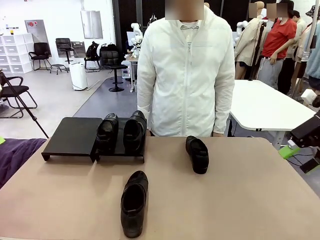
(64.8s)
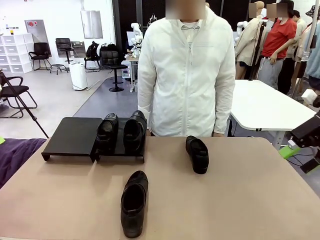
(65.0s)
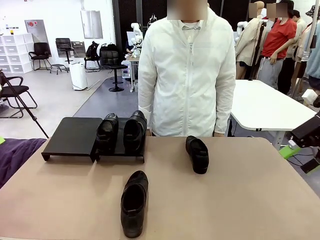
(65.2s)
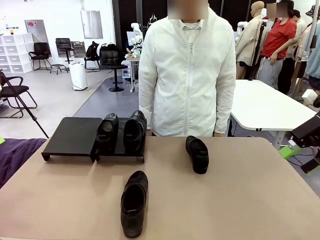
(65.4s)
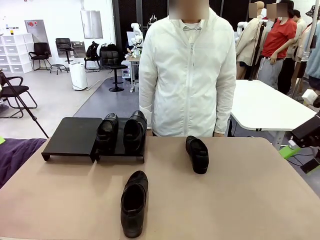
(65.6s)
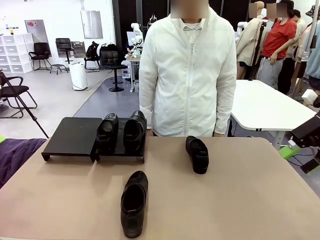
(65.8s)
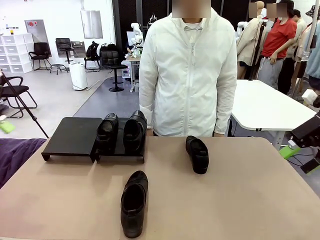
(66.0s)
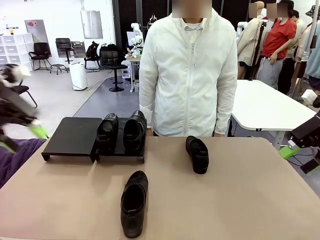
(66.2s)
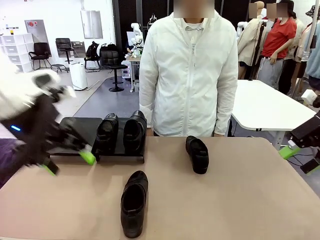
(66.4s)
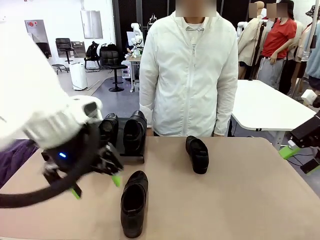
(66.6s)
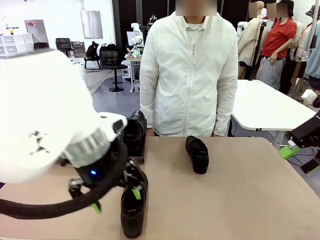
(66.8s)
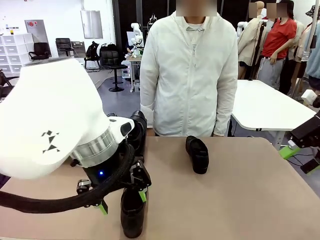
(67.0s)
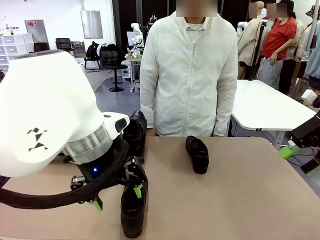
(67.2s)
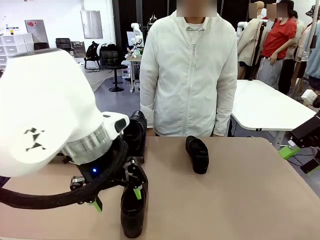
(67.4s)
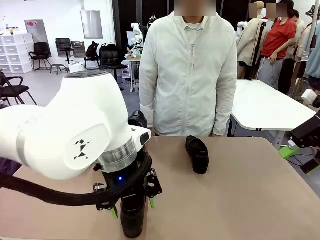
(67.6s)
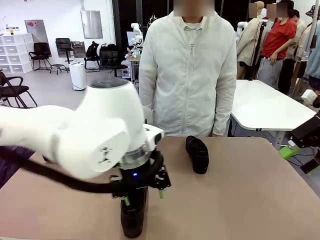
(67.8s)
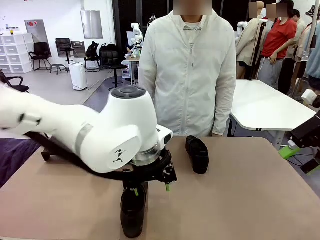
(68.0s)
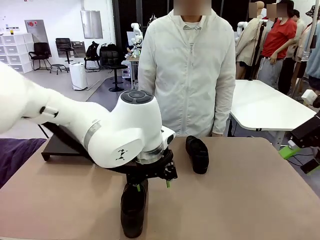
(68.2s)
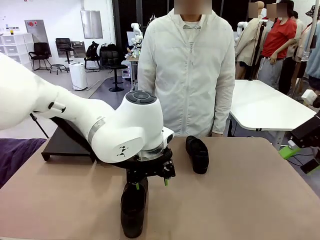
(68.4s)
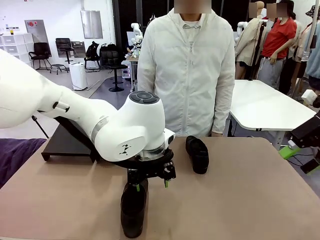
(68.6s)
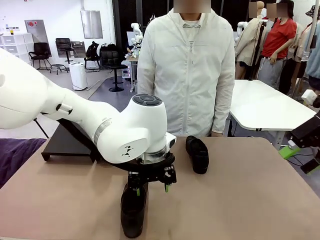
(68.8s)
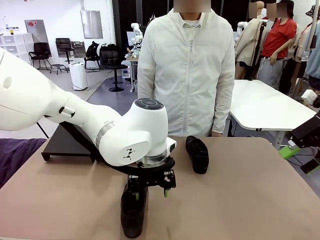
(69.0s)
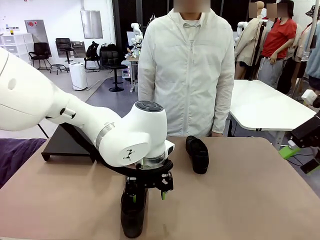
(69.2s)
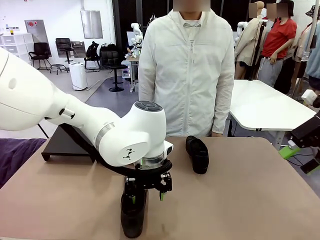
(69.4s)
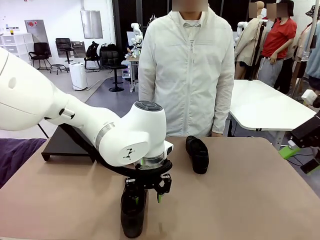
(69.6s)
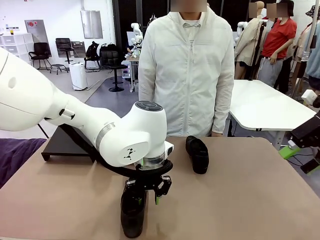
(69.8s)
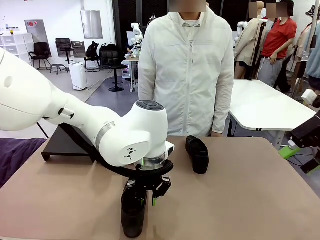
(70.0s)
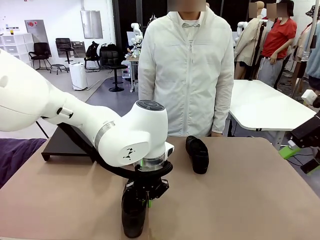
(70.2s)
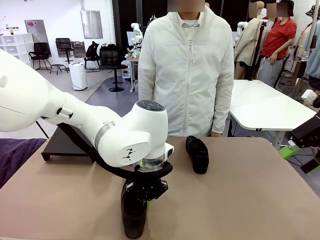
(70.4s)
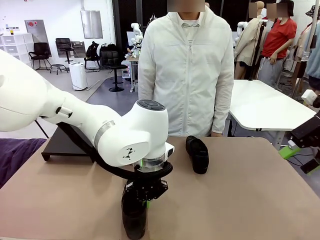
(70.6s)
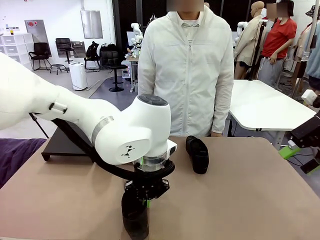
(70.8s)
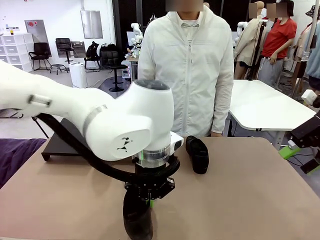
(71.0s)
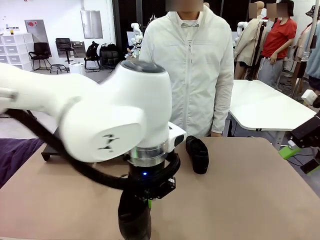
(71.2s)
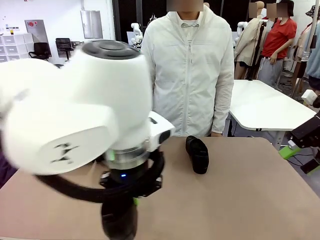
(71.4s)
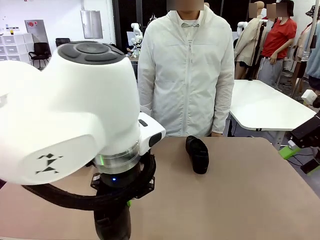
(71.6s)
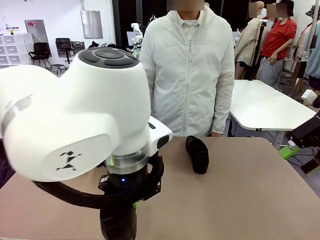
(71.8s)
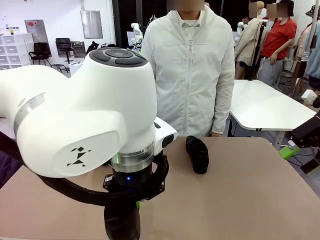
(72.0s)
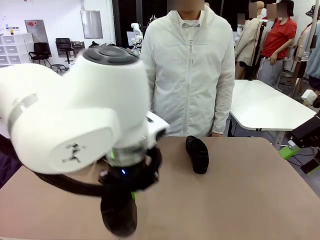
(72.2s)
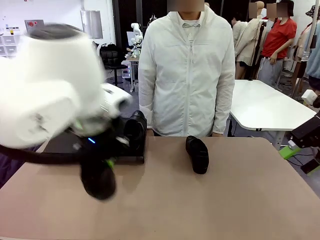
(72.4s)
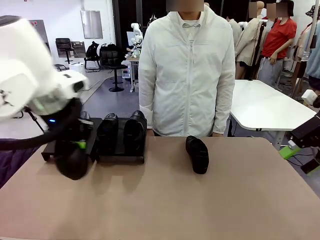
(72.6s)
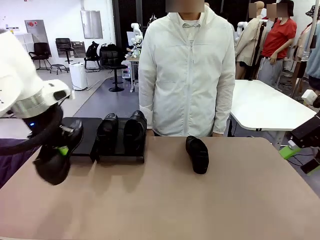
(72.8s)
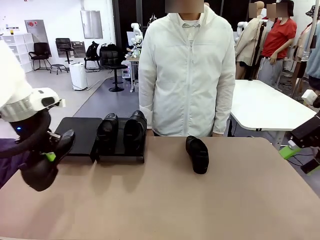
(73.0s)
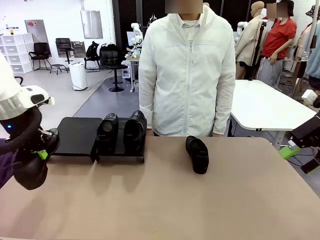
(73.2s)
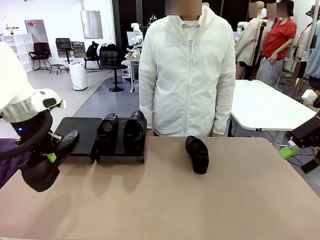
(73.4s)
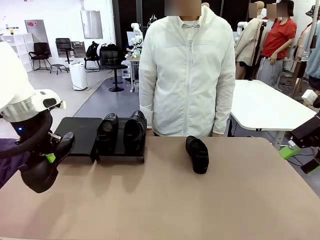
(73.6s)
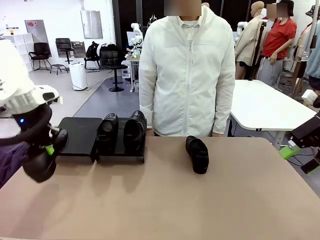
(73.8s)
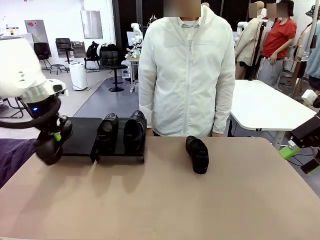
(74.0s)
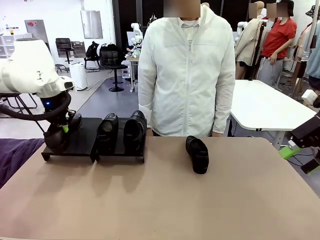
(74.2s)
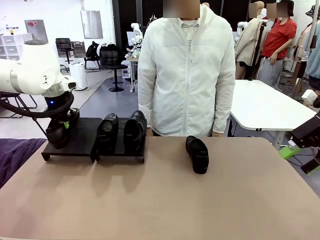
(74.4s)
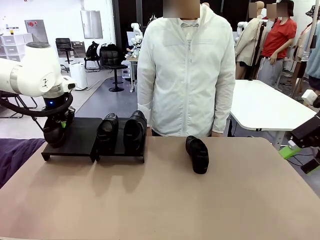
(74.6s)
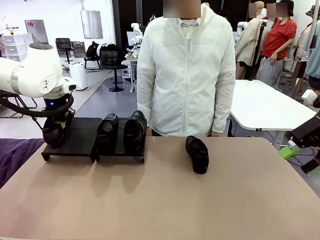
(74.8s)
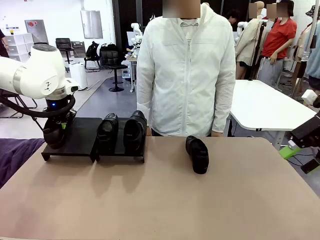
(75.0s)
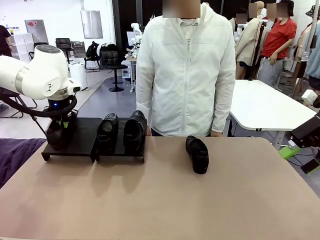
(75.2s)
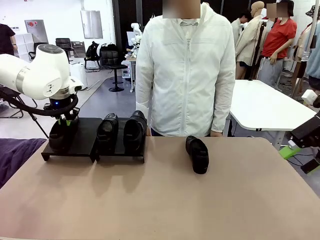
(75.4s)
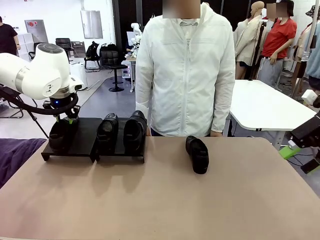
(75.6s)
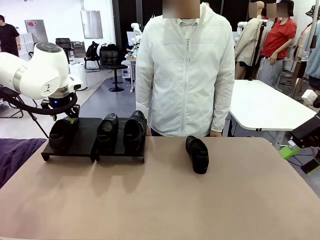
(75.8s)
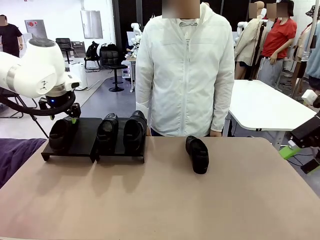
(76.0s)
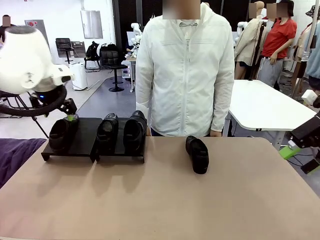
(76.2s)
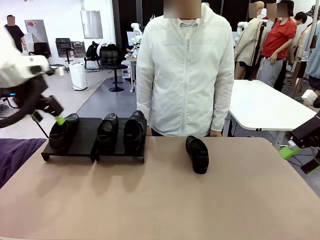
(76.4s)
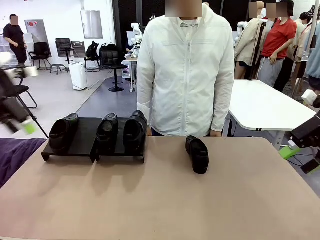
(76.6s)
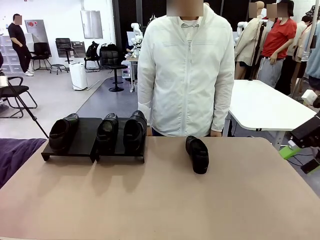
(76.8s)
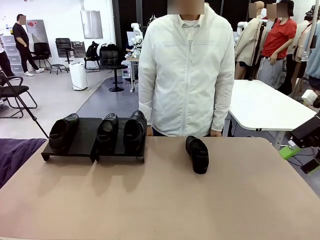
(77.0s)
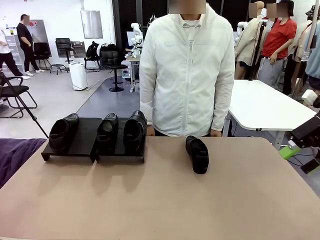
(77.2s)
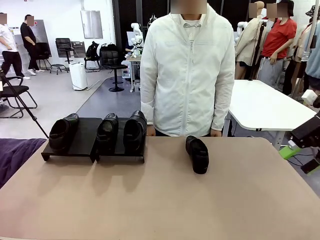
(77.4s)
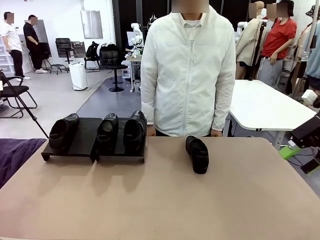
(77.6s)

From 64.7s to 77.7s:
Task: Organize the shoes by placing them on the stand.
Robot: Place the Shoe from the middle of the table onto the Shoes Stand.

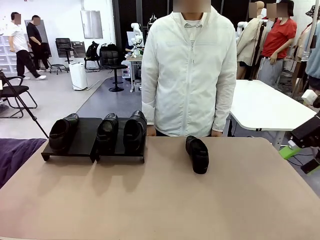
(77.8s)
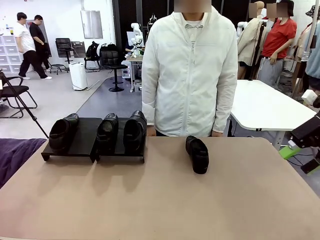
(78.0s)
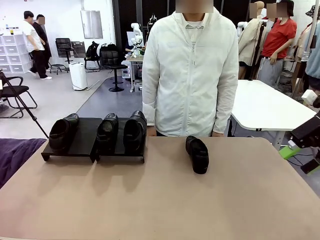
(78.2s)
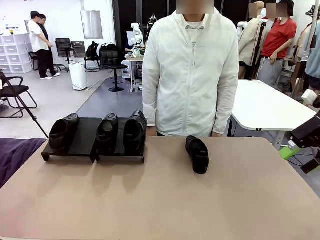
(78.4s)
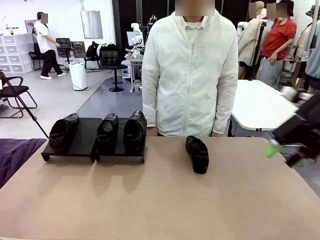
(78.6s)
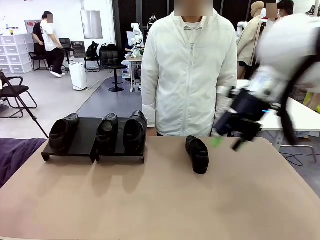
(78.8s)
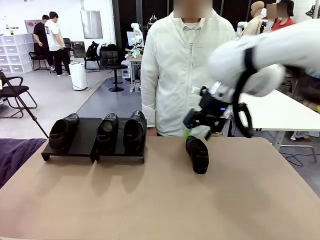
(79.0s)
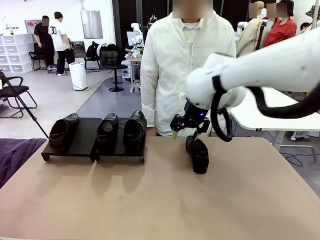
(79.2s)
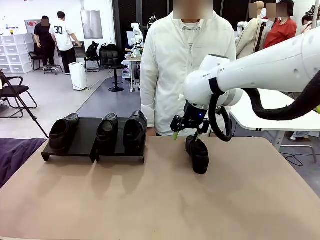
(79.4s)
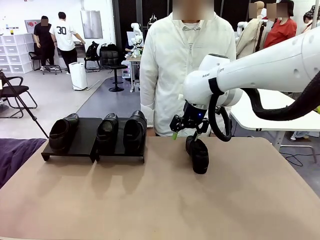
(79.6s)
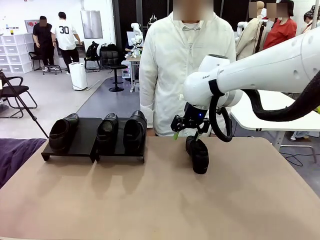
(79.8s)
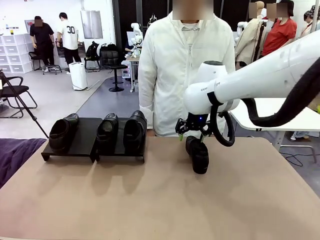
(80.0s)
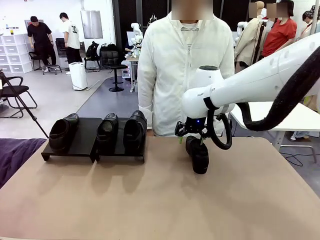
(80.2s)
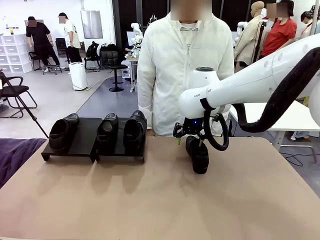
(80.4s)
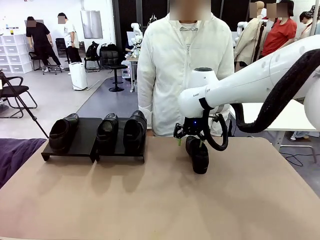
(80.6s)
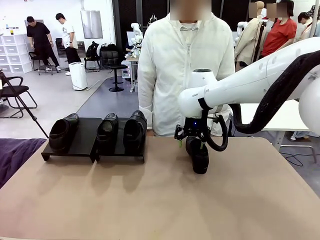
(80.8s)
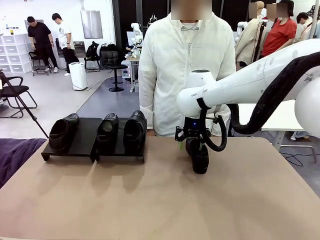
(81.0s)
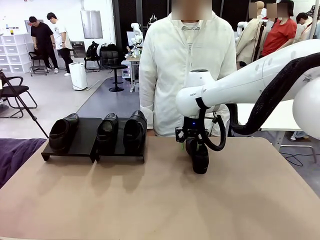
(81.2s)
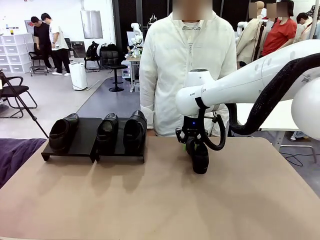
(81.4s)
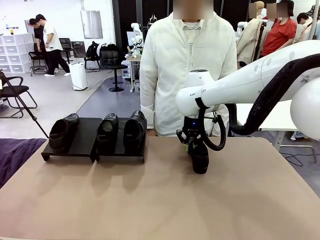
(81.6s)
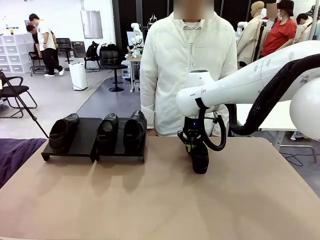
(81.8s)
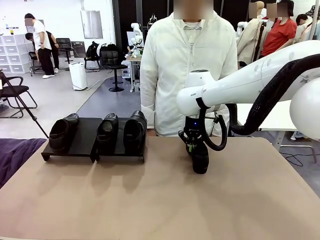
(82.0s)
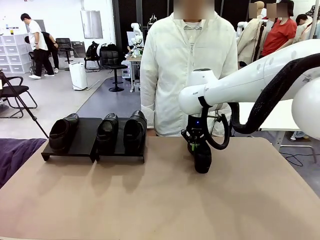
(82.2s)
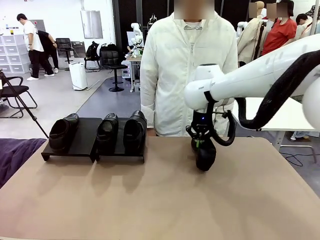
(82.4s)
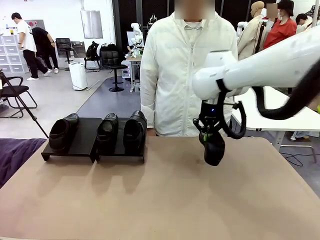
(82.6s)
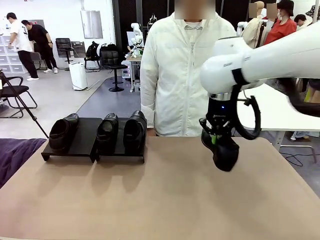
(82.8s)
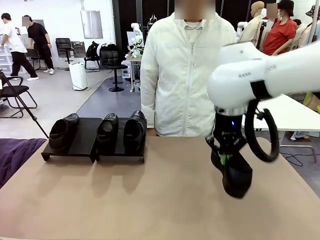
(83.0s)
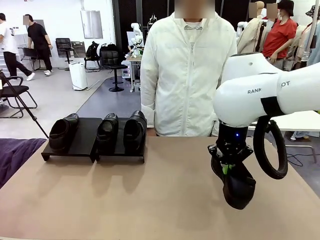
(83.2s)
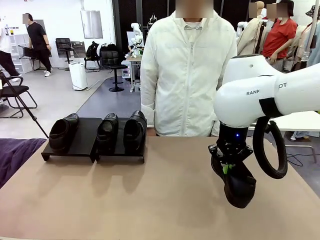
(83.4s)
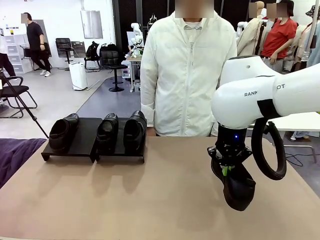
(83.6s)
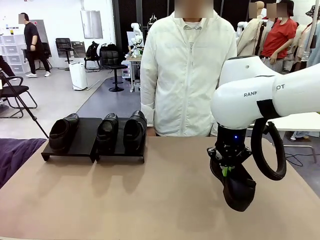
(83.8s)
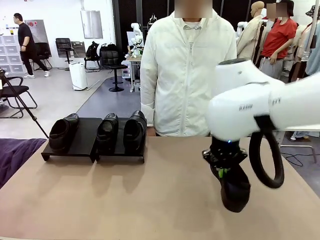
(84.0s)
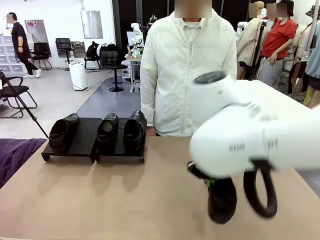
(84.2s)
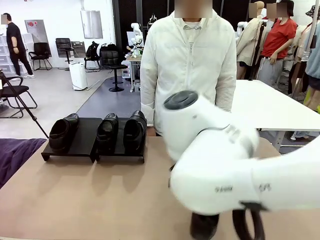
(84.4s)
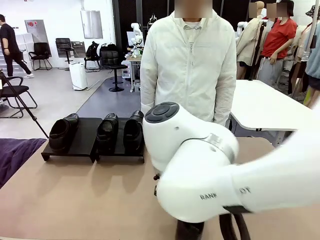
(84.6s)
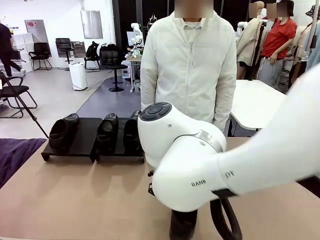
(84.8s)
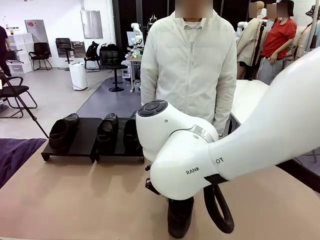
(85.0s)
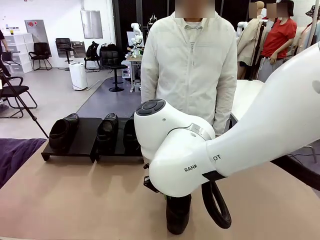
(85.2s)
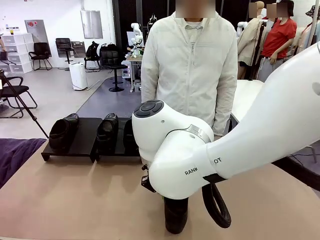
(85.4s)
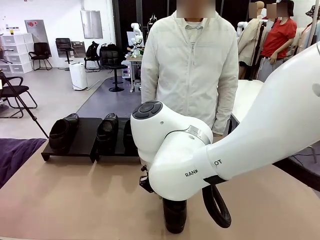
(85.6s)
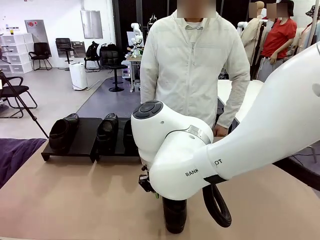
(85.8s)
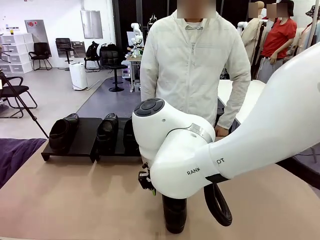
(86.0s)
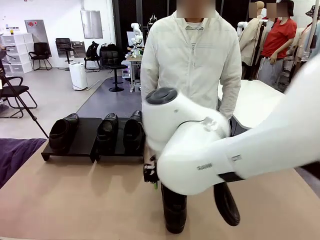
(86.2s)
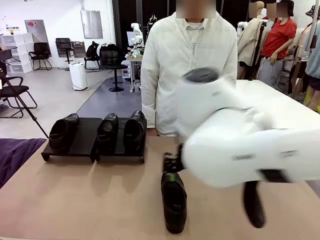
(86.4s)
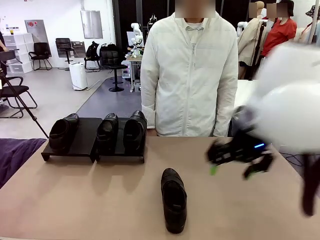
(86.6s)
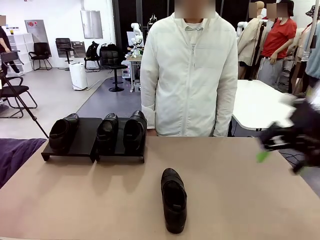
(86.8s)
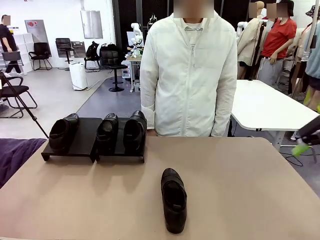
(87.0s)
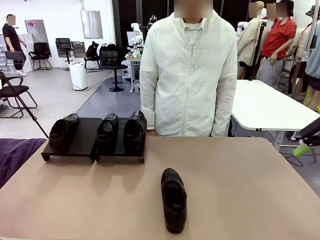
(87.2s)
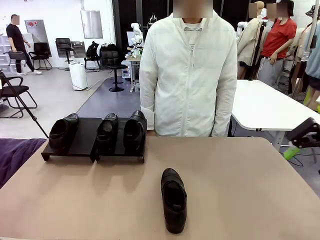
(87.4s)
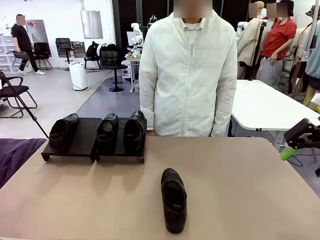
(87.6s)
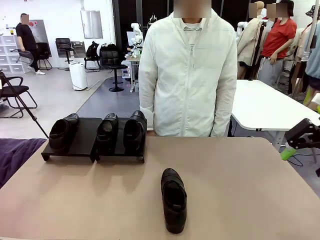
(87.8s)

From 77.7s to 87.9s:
Robot: Pick up one Shoe and place it in the middle of the table.
